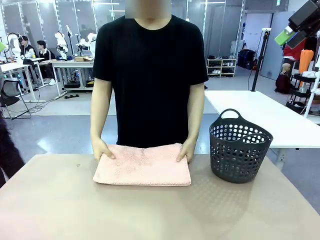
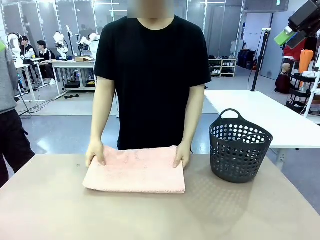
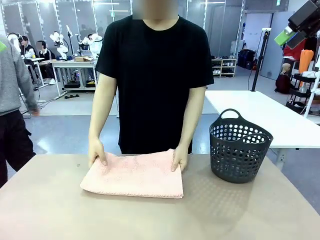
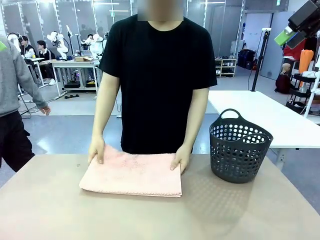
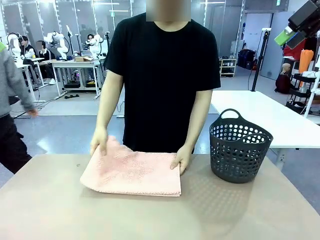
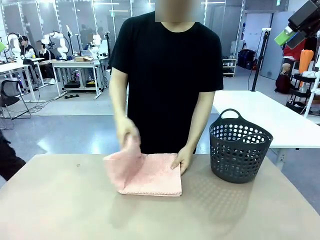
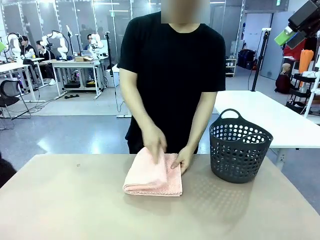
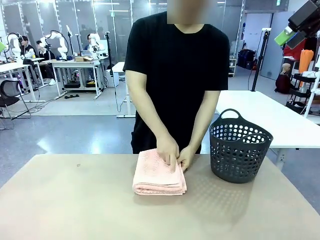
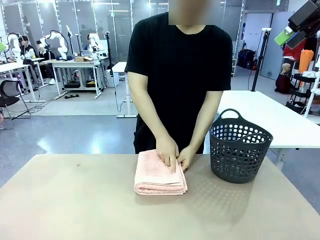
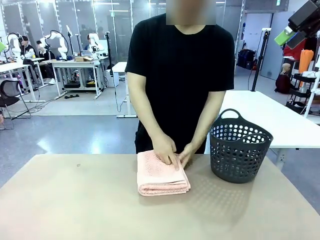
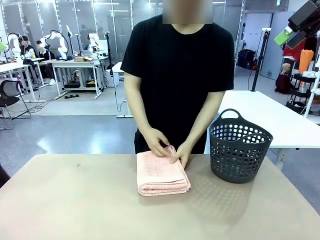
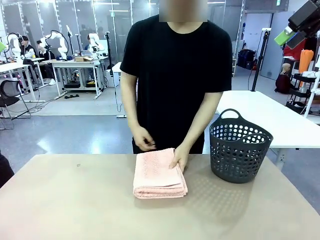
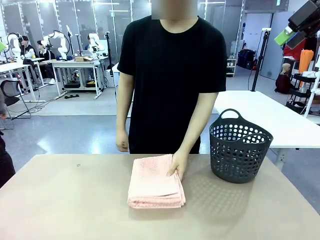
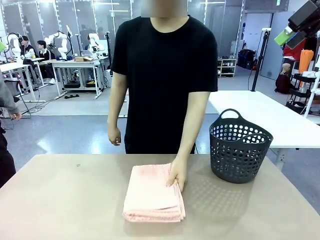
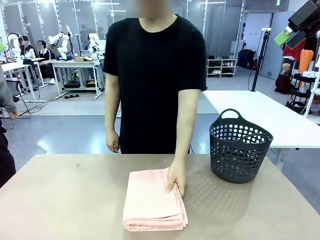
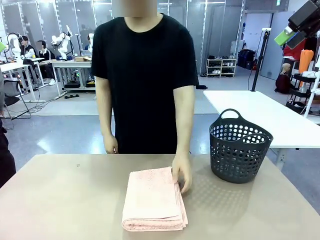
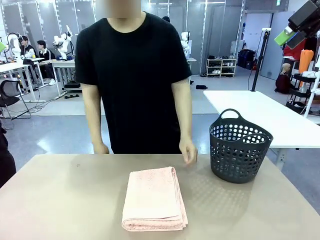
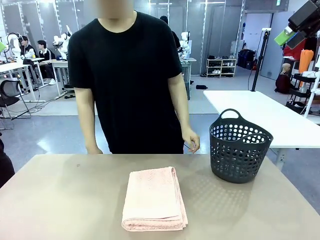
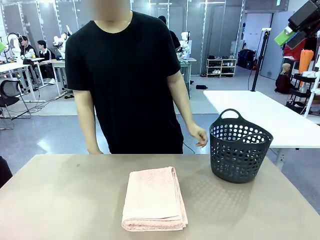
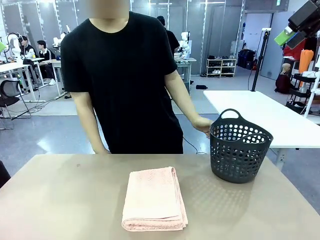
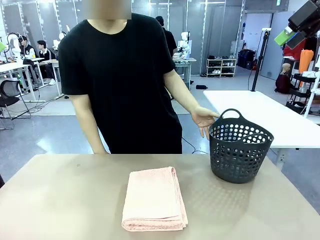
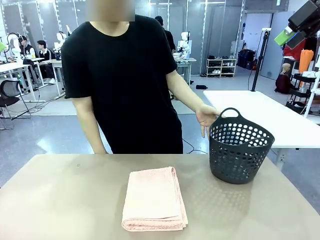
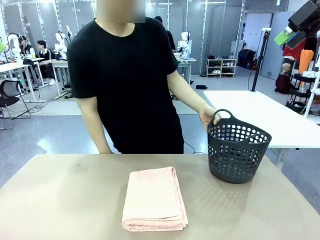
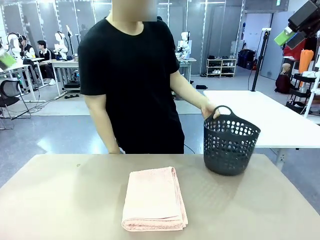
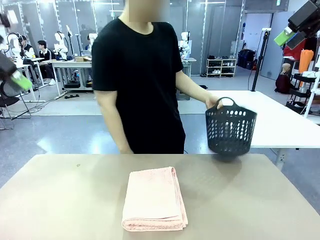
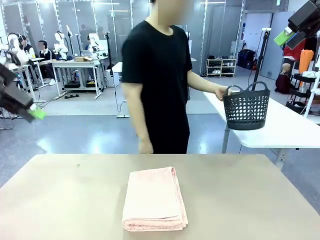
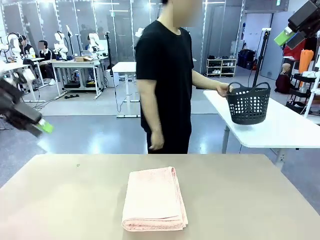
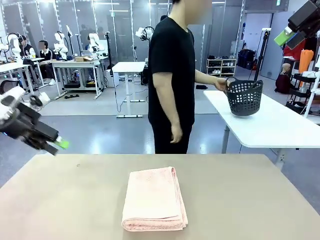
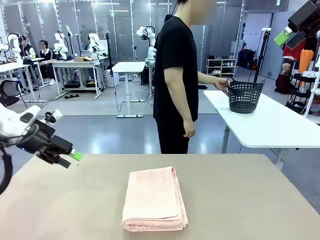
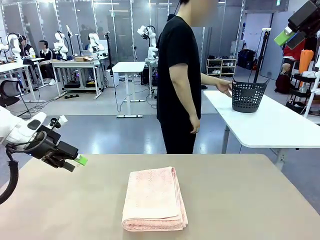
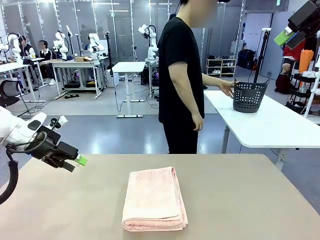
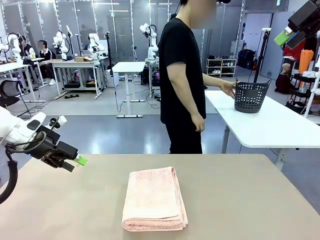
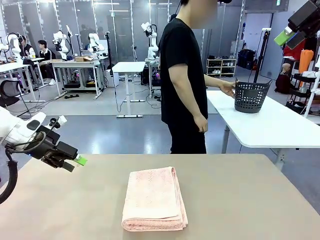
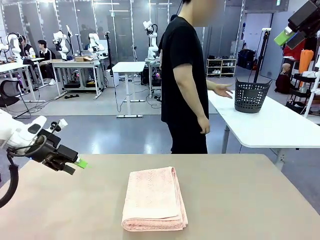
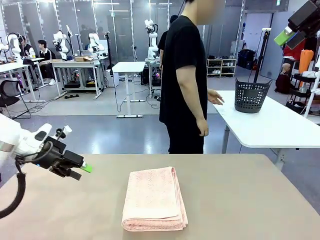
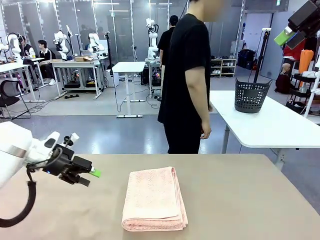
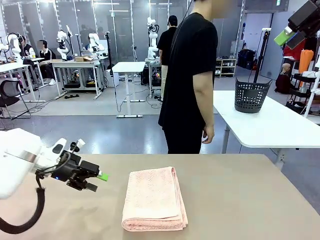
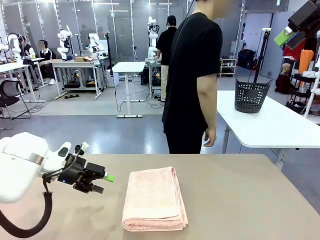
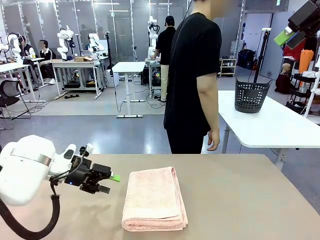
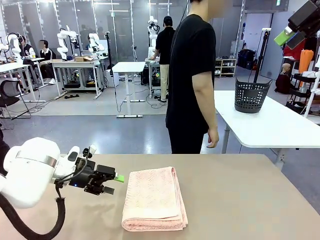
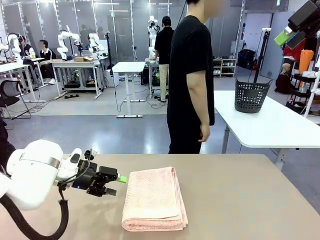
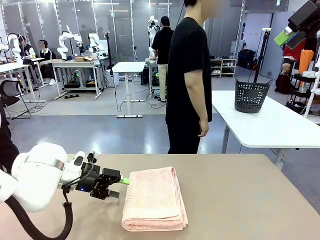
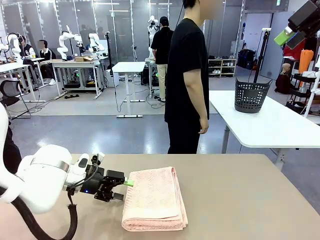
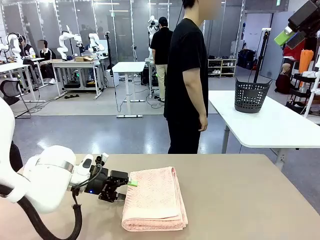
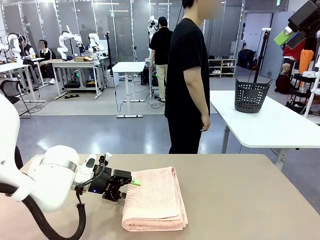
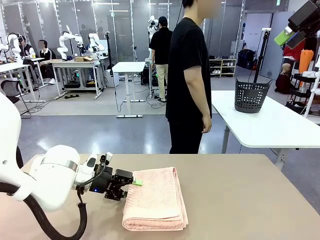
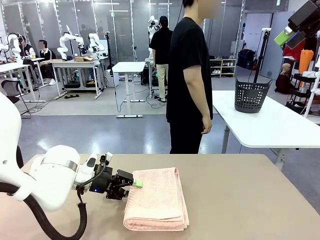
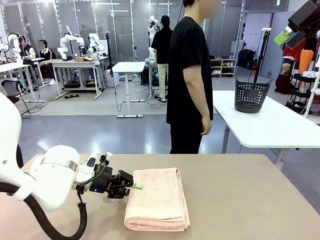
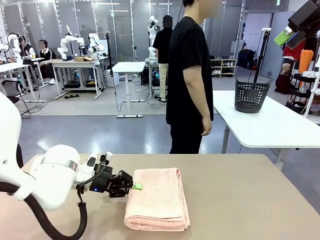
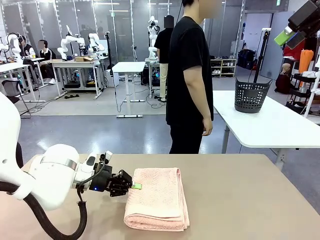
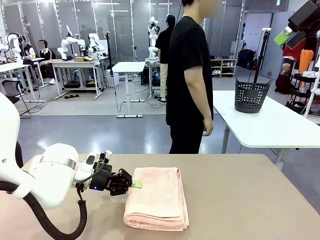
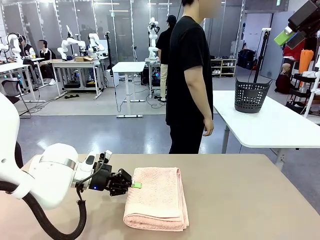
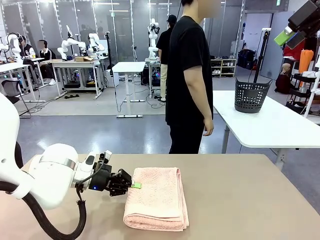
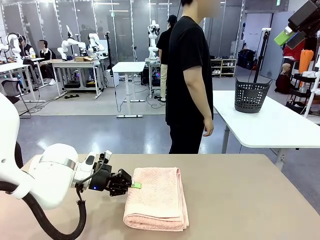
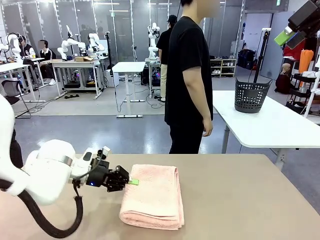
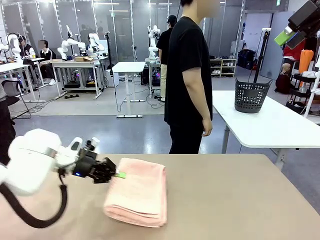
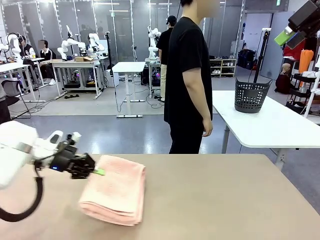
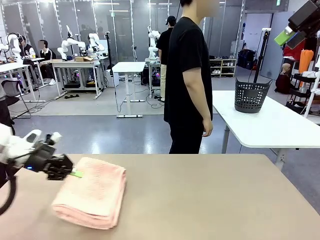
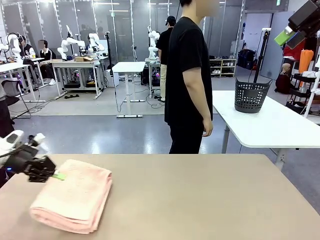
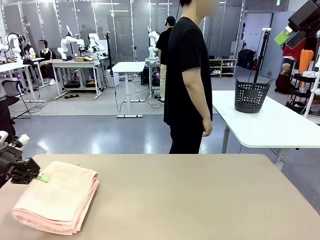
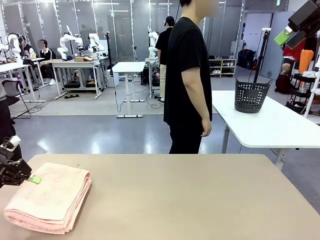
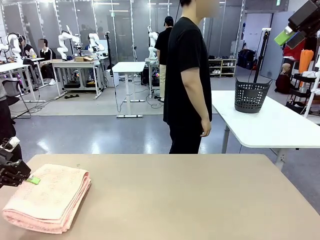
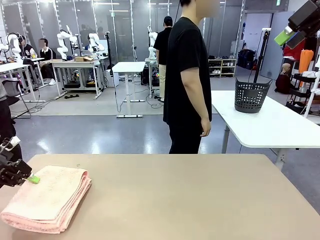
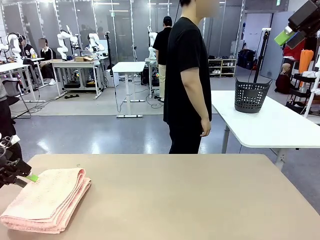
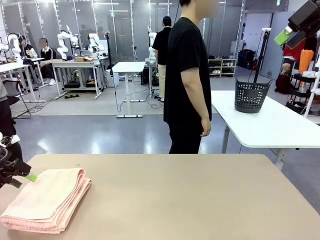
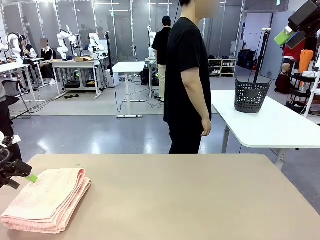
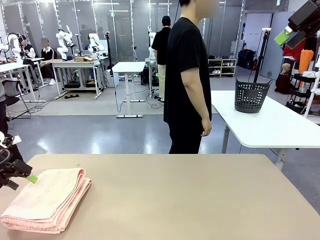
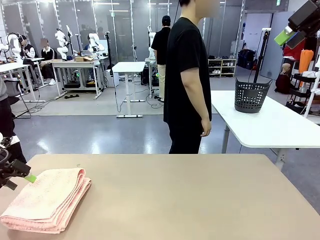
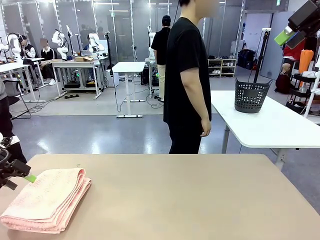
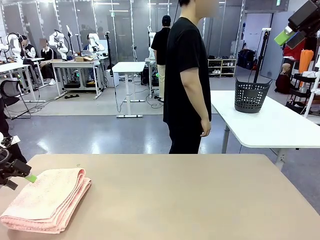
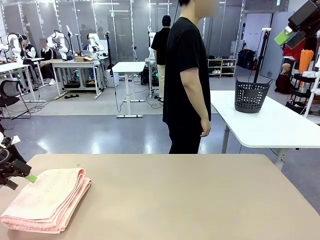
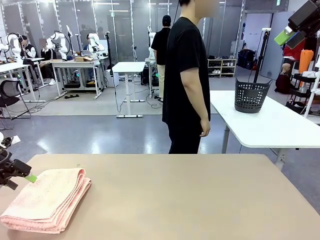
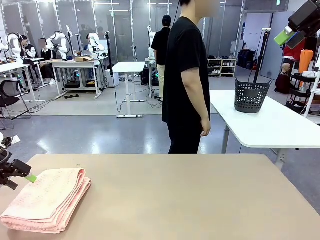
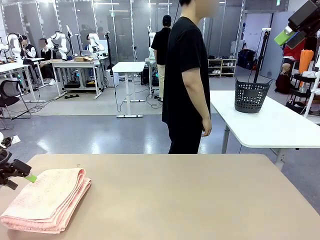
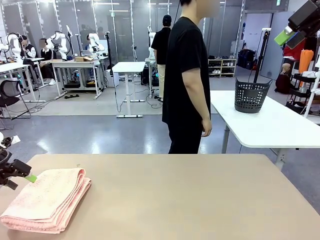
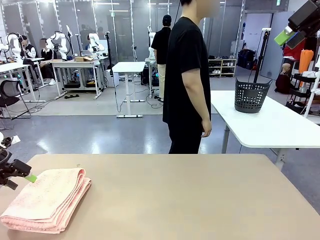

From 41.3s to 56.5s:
Task: Fold the towel.
Robot: Pick up the 100 cm Hotel Towel and place it on the left side of the table.
Person: Place the towel at the center of the robot table and fold it in half. Pick up the laundry basket and place it at the center of the human table.

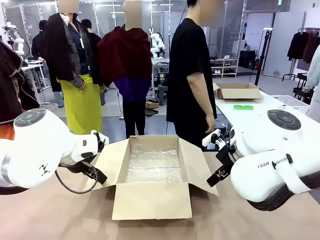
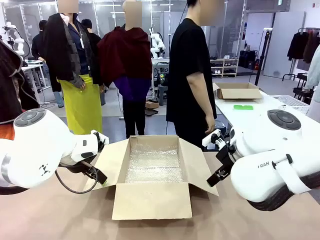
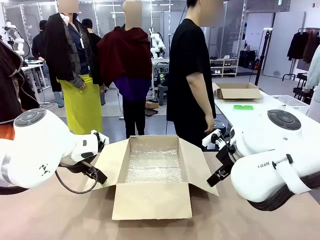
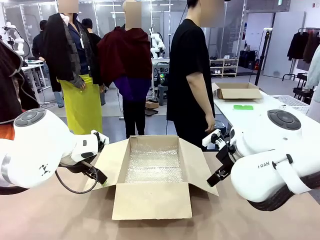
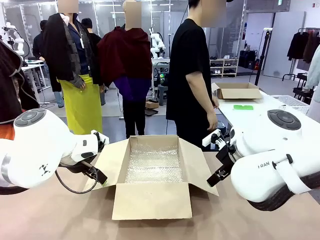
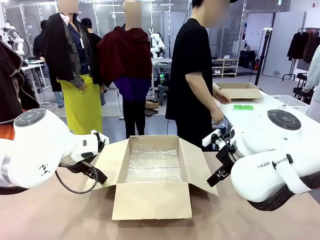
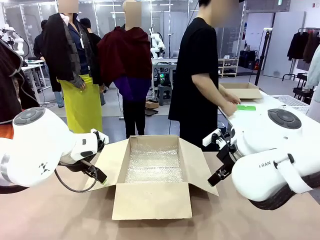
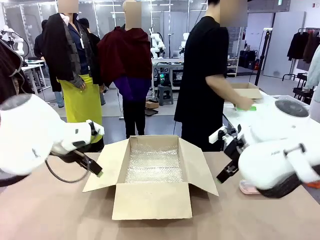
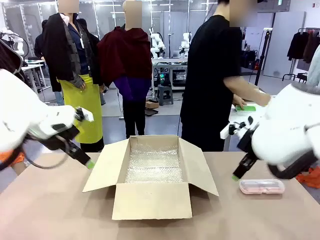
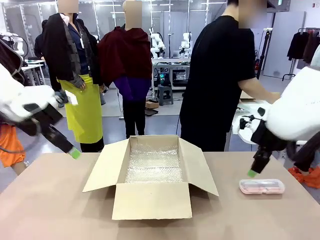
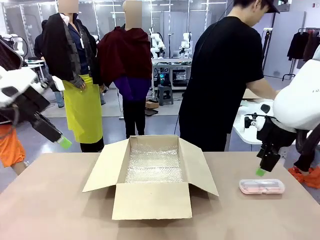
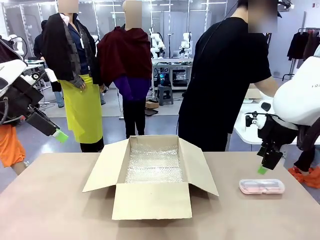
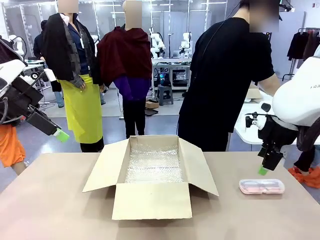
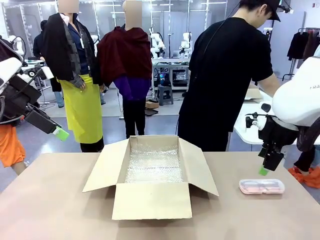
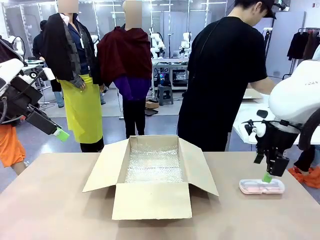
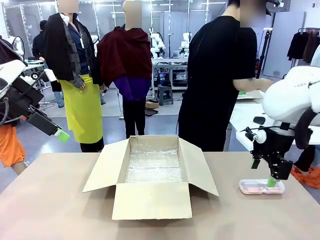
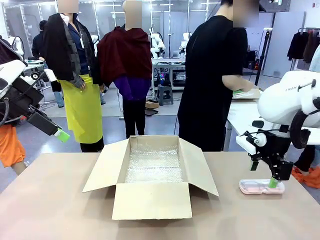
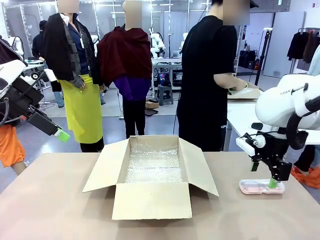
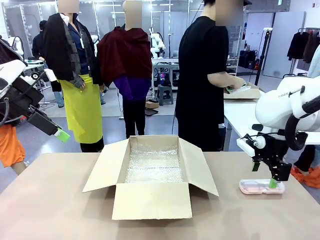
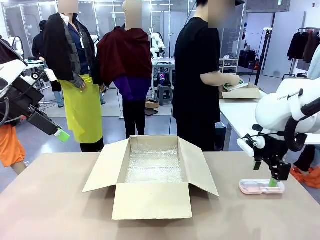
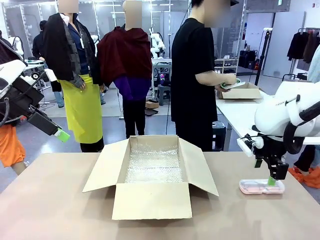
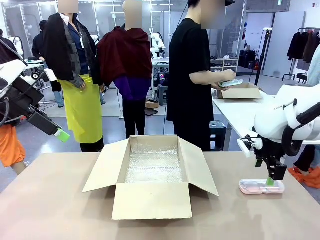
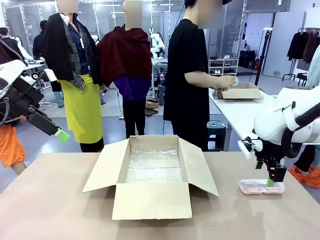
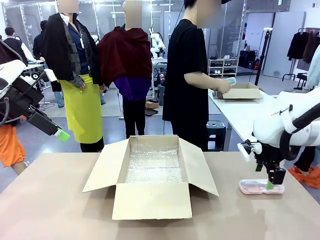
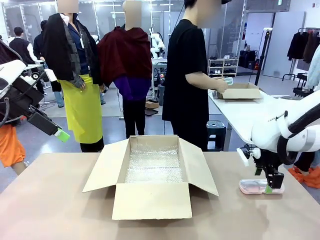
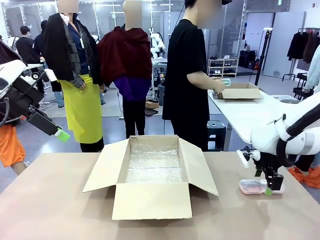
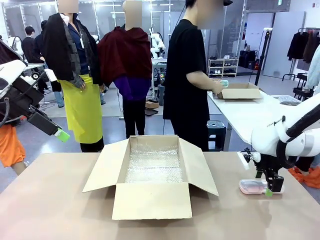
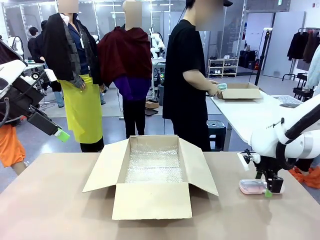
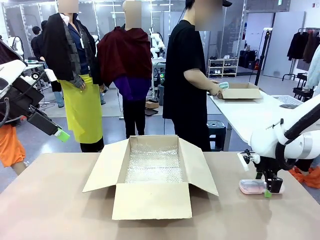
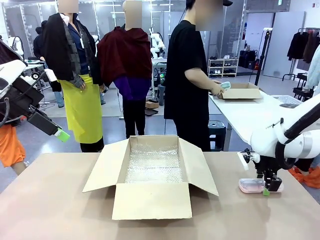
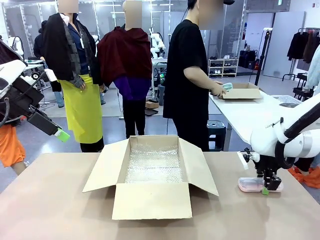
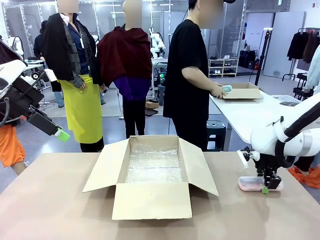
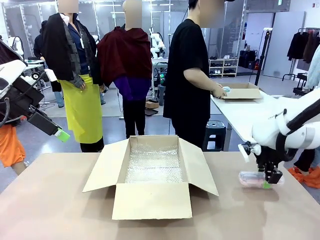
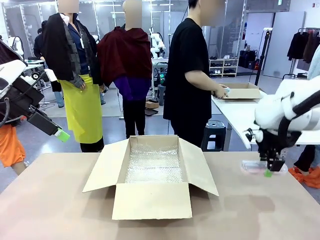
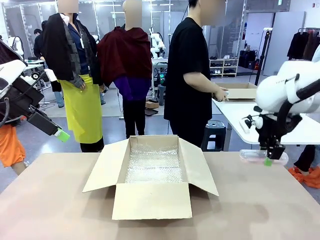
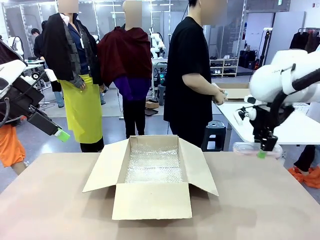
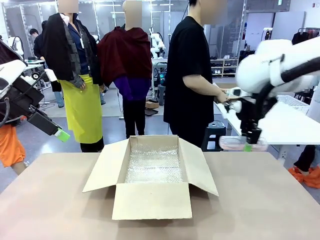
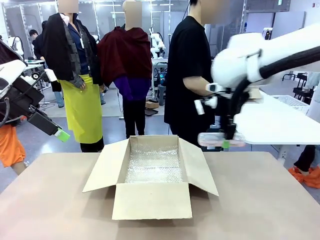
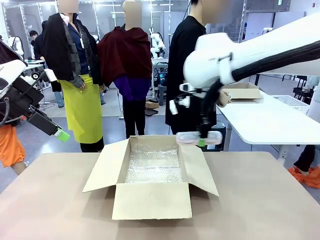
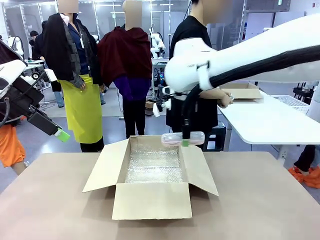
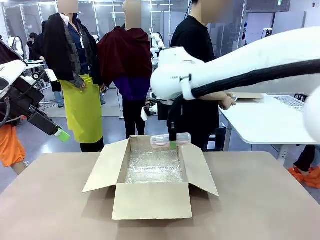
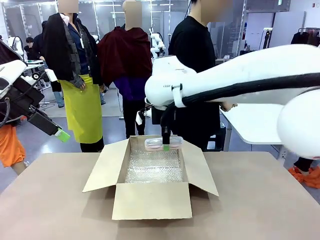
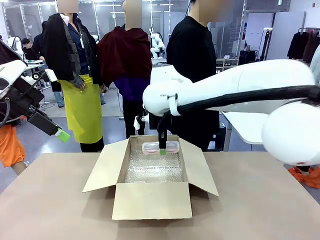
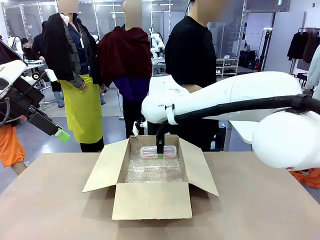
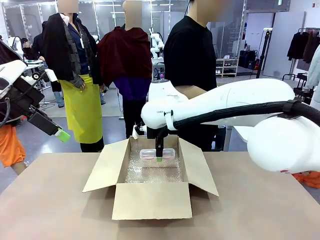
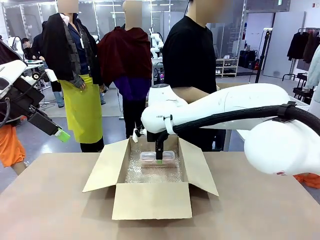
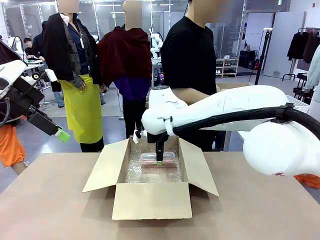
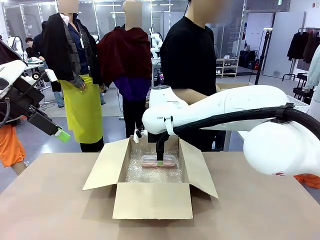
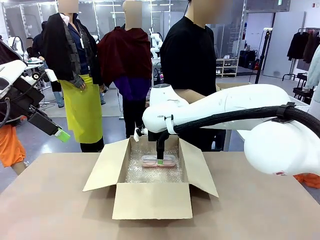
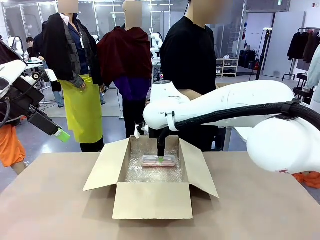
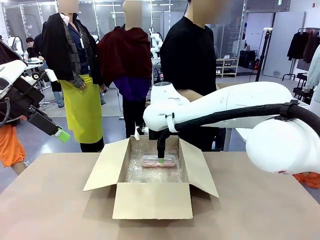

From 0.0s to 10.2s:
Task: Pack the glasses set securely to prepare it for shipping.
Robot: Place the Glasses case inside the Package Box.
Person: Place the Glasses inside the Glasses case. Position the Glasses case on the left side of the robot's table.
